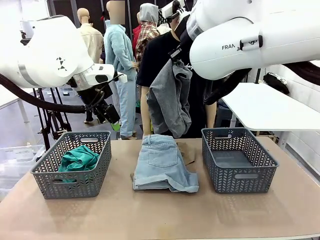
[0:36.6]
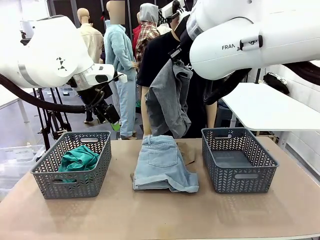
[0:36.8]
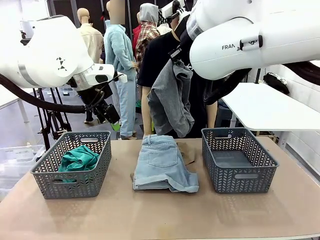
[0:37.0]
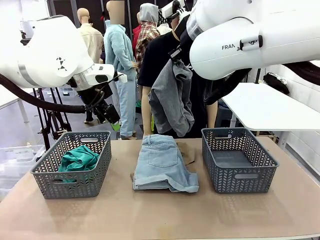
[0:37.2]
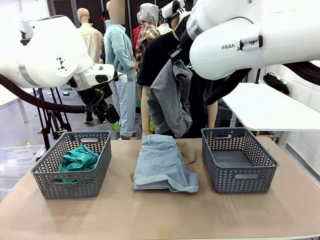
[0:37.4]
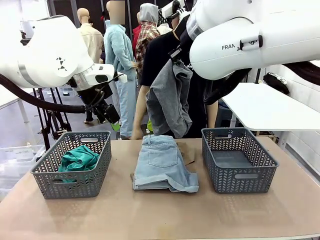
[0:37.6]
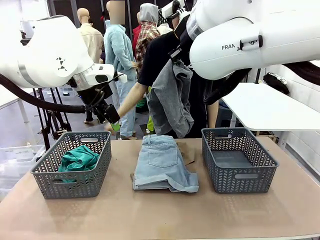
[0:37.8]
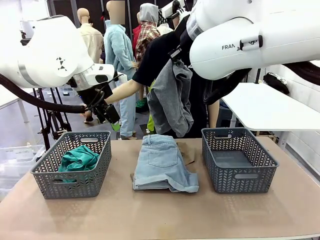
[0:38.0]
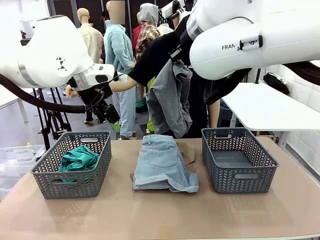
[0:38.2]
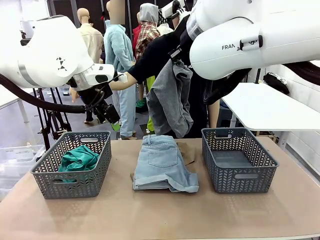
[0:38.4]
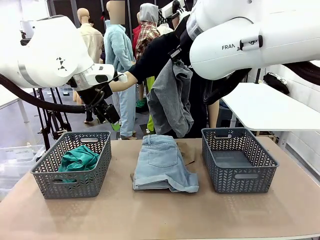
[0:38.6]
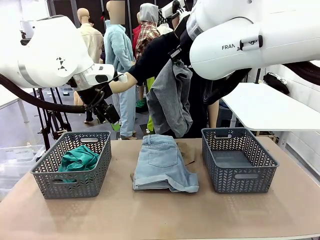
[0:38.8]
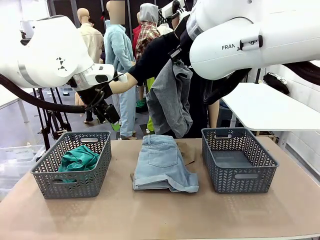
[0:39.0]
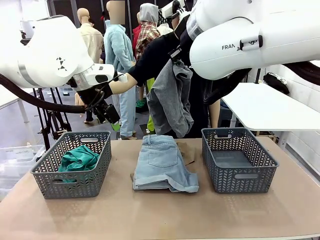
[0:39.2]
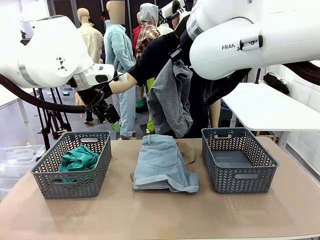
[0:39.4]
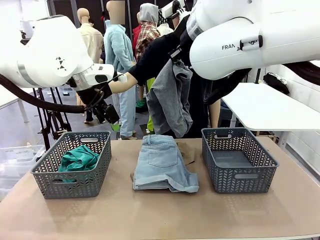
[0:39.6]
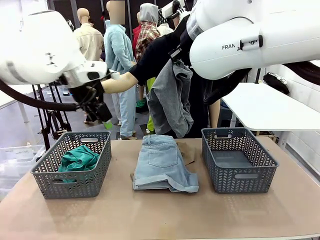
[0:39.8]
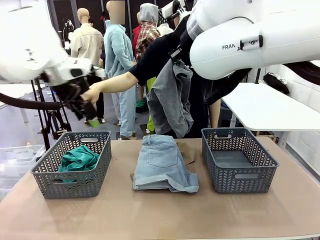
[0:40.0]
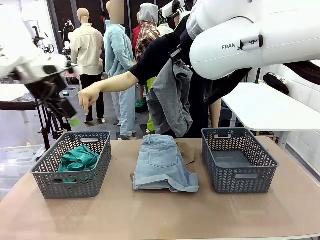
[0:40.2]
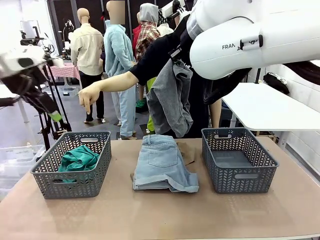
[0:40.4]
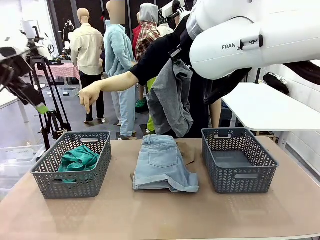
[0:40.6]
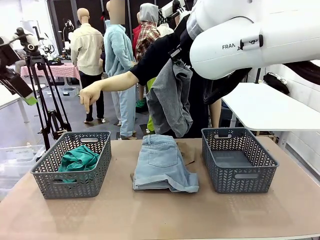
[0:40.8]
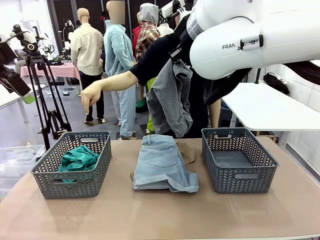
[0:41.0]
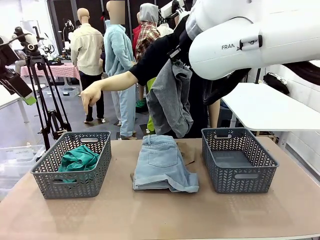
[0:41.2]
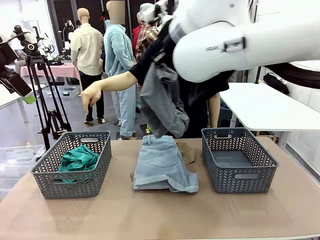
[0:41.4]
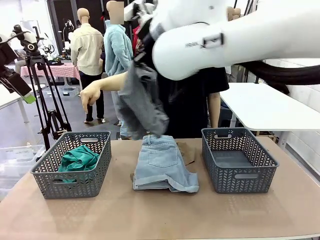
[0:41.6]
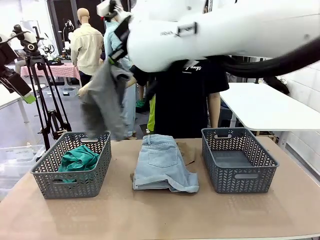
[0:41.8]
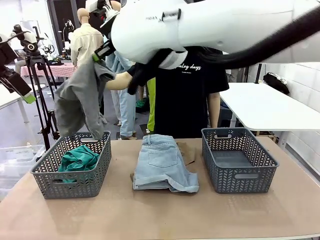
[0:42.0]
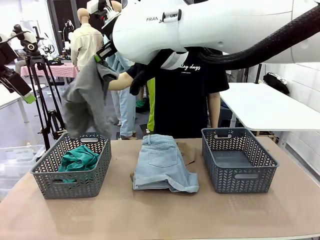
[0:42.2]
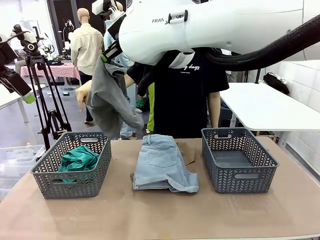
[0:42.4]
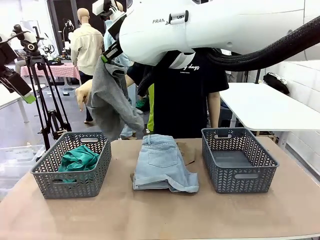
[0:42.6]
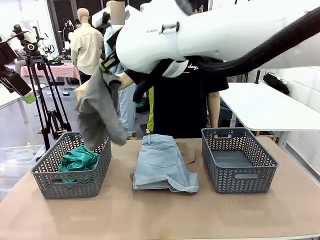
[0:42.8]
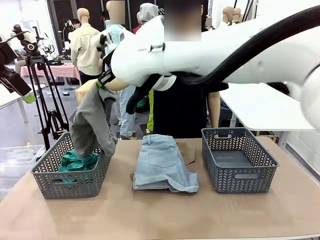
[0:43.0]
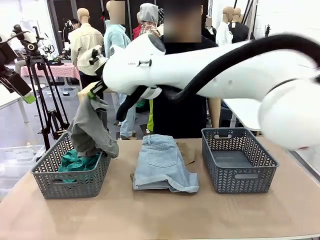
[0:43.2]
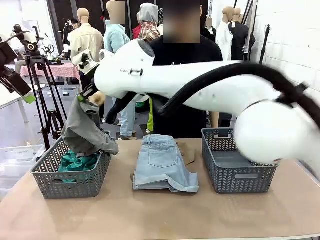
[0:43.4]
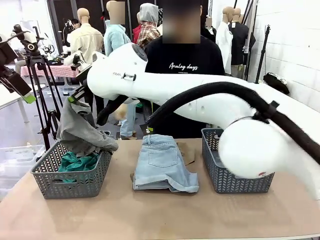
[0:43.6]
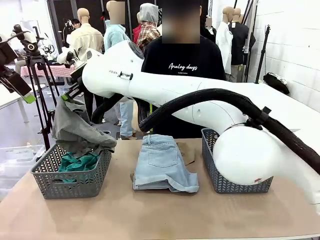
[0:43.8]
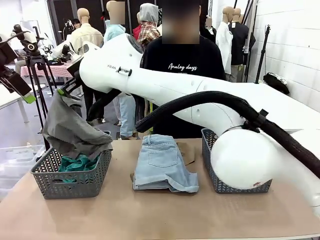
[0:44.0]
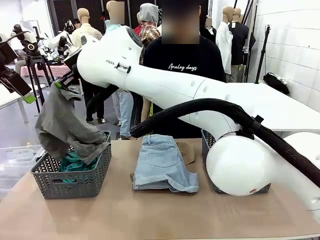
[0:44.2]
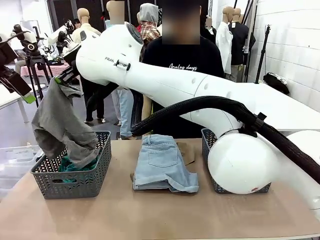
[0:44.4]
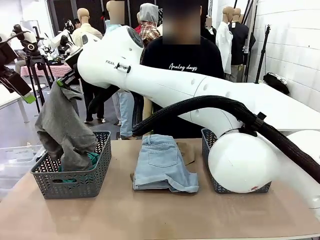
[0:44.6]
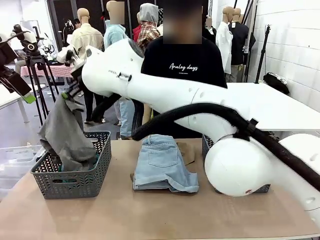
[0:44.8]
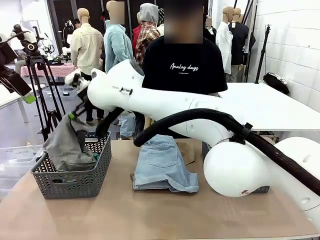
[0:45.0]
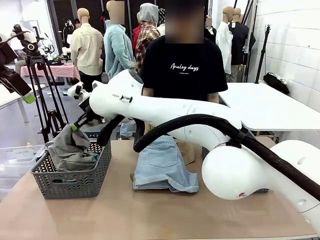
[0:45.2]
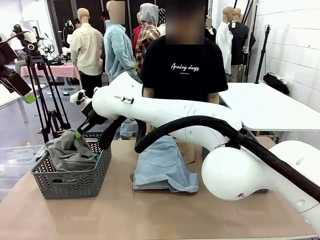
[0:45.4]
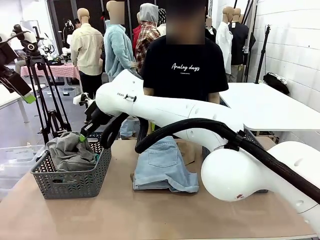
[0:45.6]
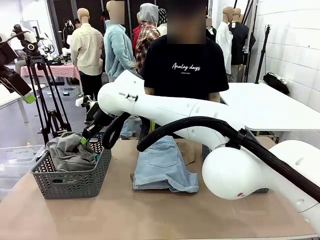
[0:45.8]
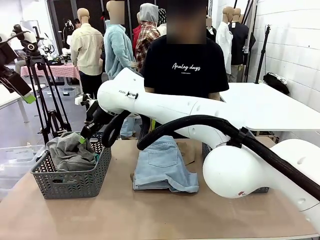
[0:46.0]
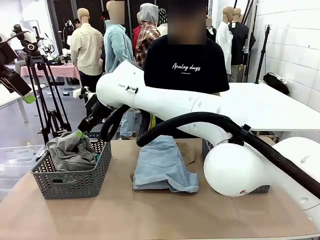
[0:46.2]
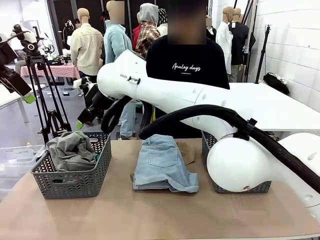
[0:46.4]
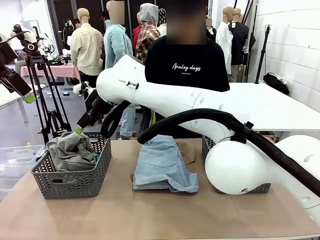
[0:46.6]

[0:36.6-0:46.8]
Task: Sort the tops and bottoms.
Robot: Sort the clothes according to human instructions.

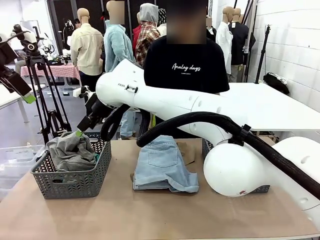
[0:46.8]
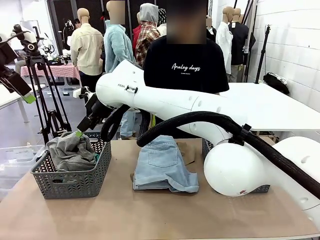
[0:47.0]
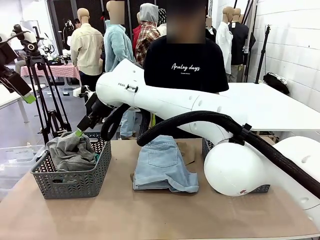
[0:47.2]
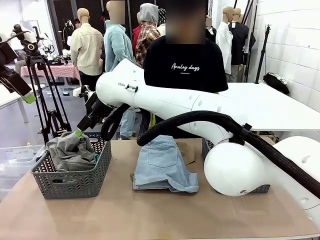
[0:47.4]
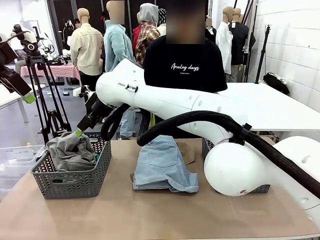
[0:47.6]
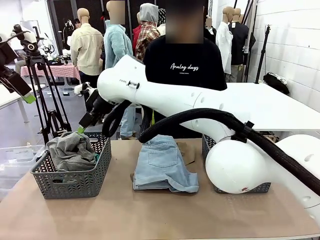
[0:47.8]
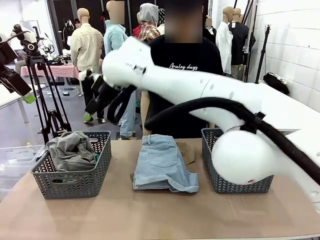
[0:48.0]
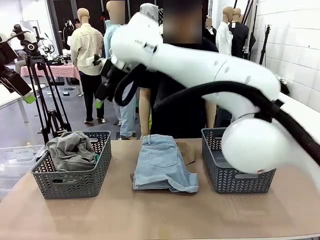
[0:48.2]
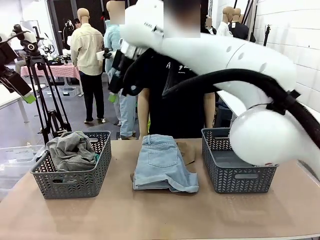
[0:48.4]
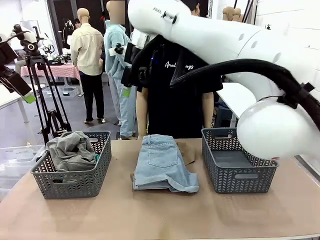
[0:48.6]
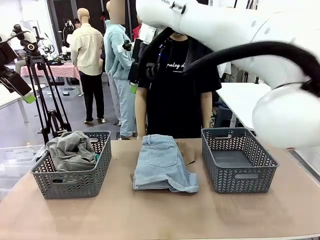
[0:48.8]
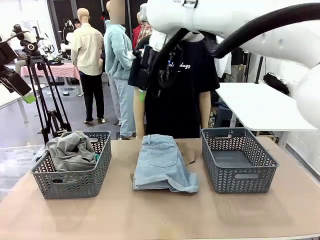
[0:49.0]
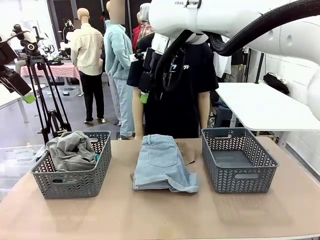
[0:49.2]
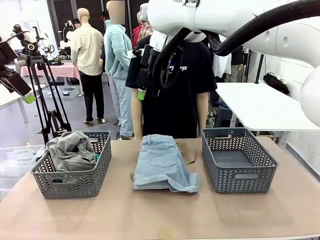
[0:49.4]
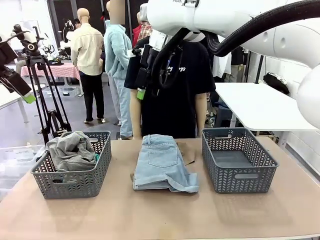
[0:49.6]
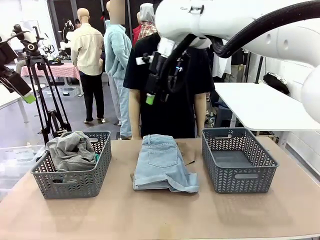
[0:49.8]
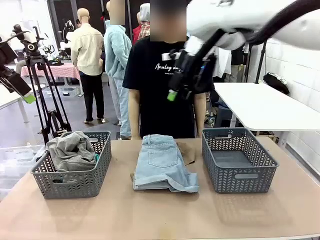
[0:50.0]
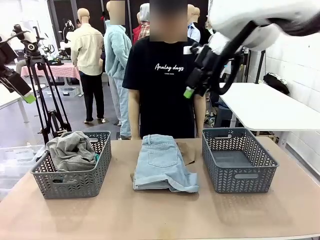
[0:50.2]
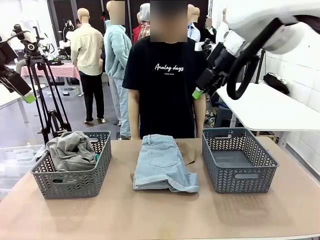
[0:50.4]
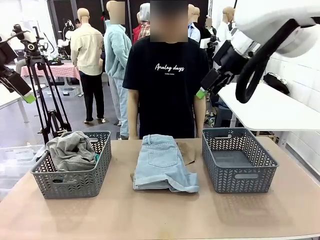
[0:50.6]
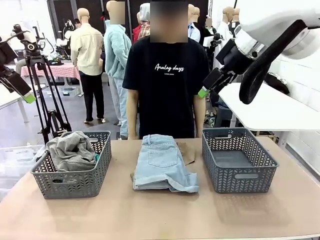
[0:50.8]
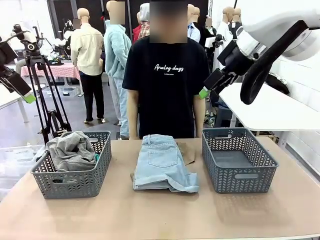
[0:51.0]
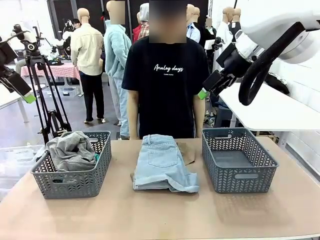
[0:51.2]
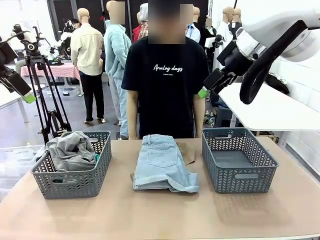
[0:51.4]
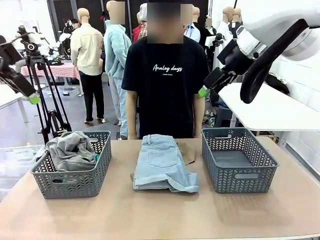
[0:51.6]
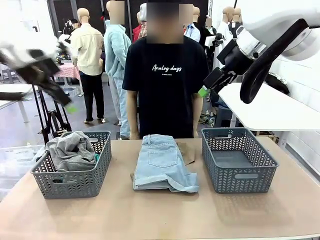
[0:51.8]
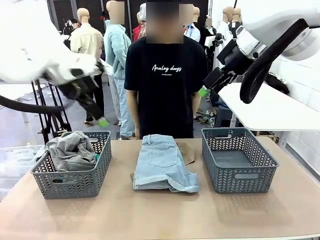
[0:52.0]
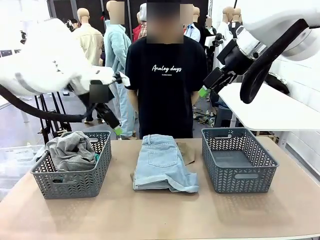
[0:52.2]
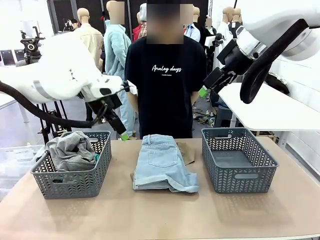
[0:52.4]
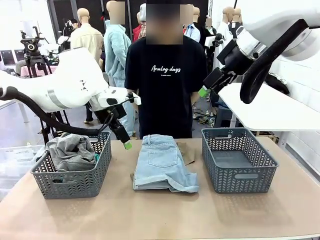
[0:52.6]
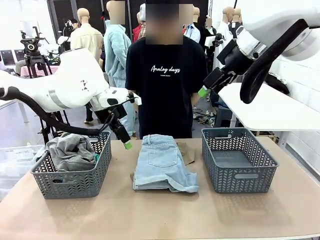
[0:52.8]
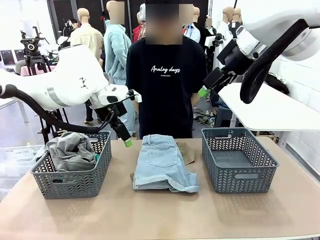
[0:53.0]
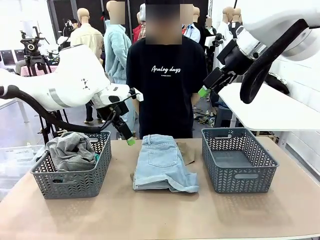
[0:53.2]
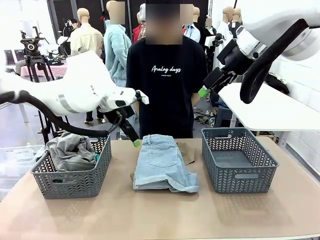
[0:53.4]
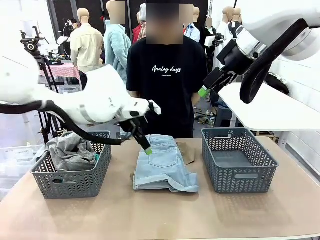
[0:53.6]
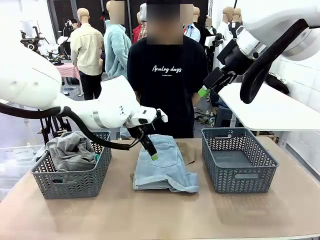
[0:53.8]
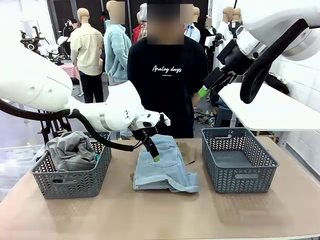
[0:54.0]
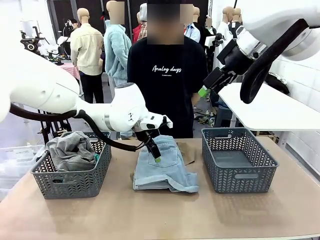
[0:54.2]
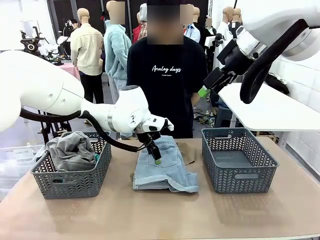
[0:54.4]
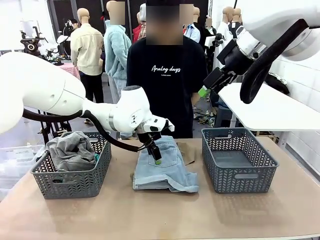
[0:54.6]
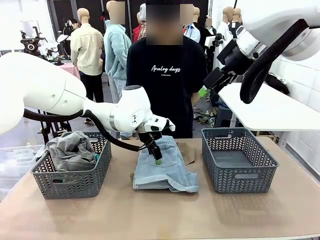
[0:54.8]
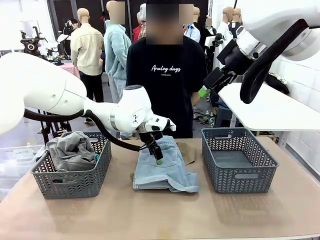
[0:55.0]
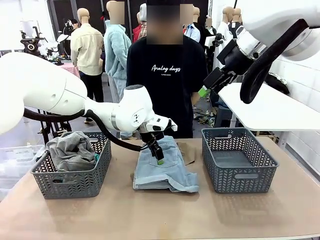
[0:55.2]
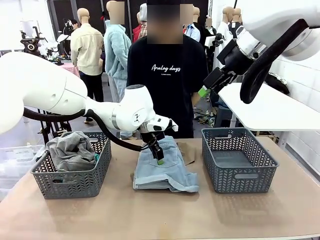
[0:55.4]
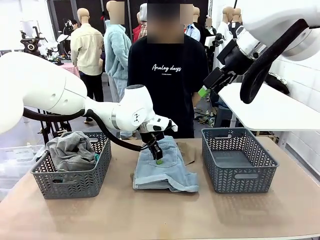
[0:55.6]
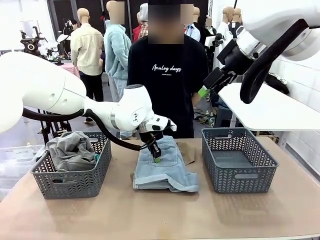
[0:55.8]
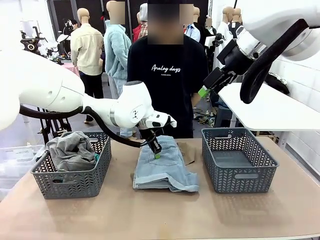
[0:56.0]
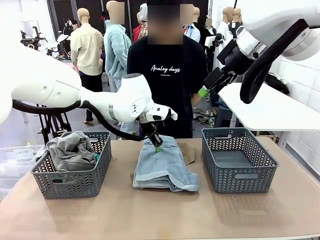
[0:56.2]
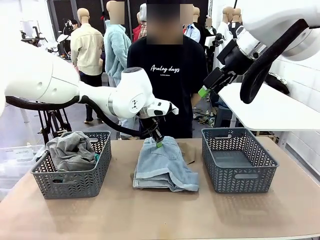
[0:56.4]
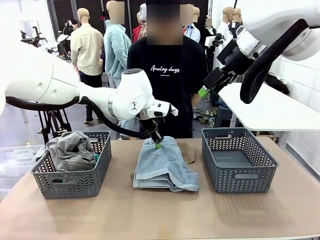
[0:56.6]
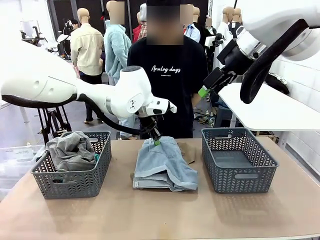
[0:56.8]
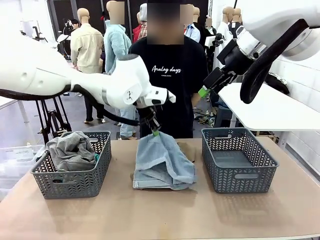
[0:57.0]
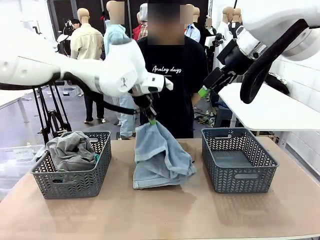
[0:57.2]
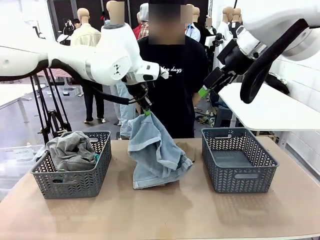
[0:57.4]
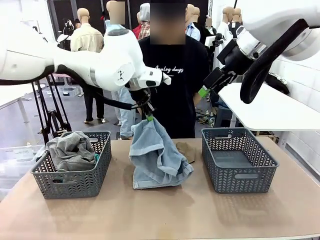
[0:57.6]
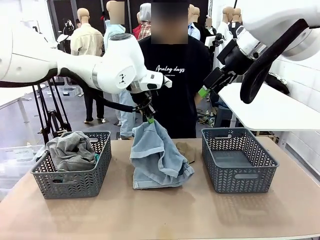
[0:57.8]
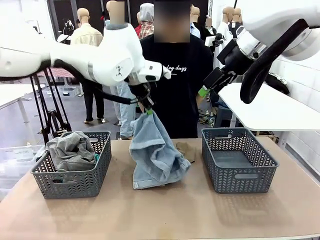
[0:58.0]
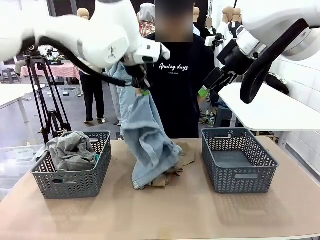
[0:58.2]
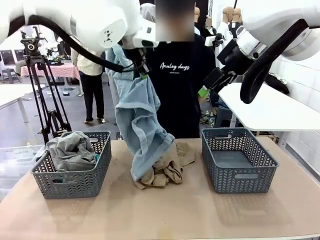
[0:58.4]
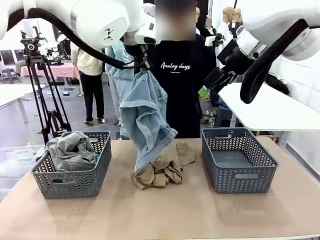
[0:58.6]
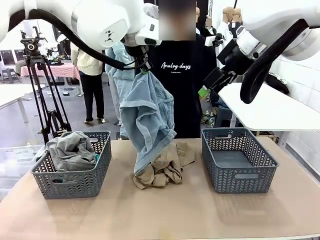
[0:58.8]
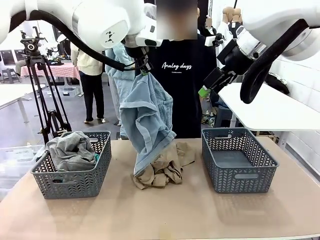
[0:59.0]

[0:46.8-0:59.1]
Robot: Lift clothes from the center of the table with your left hand.
